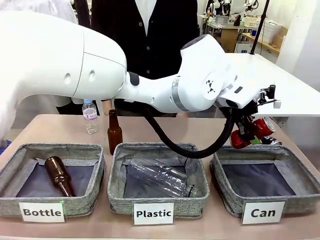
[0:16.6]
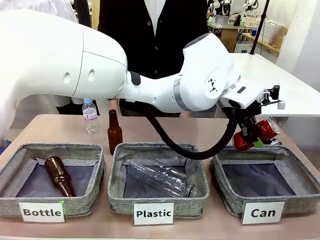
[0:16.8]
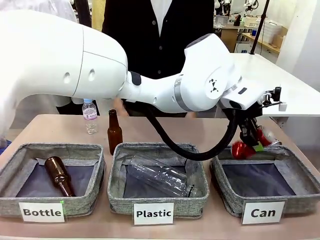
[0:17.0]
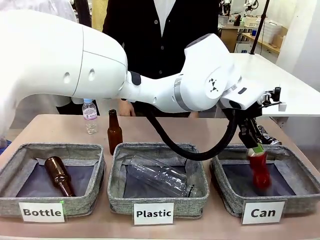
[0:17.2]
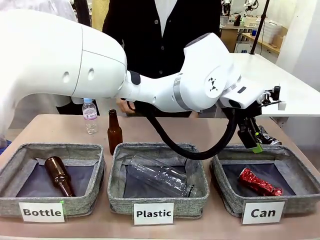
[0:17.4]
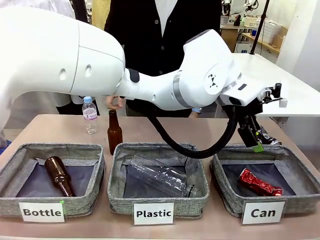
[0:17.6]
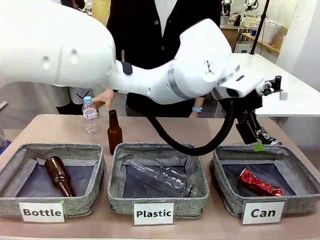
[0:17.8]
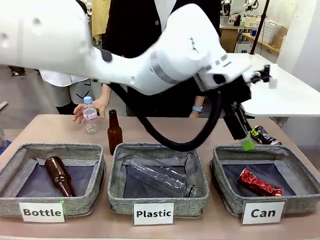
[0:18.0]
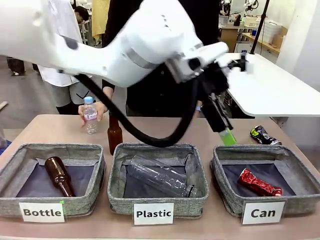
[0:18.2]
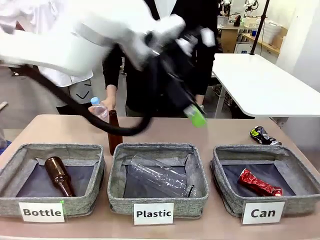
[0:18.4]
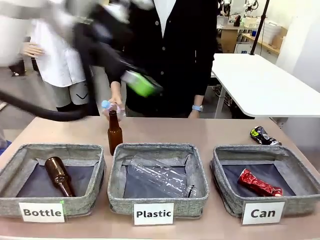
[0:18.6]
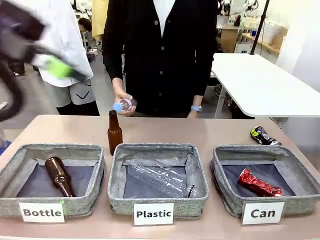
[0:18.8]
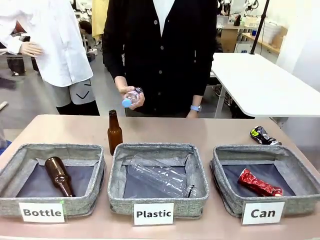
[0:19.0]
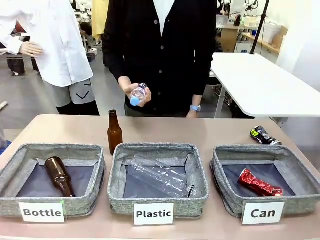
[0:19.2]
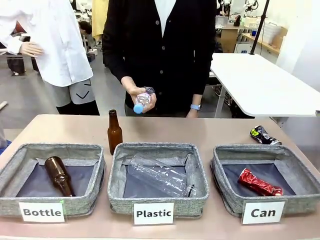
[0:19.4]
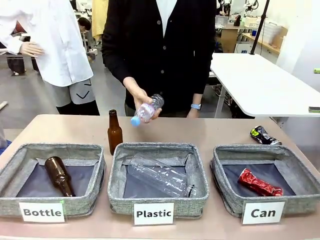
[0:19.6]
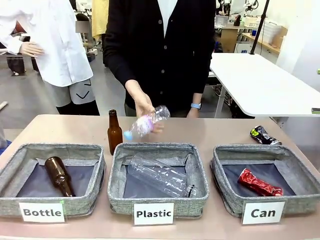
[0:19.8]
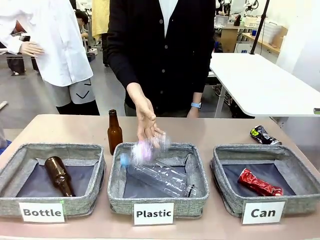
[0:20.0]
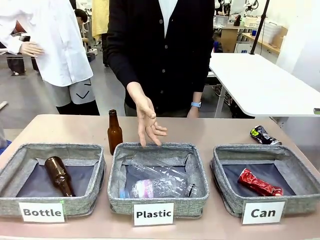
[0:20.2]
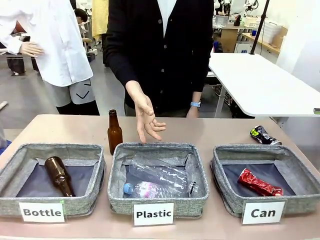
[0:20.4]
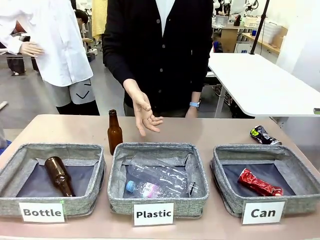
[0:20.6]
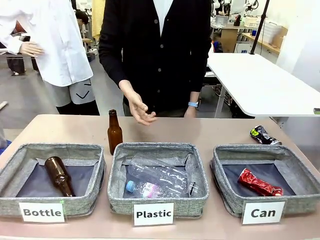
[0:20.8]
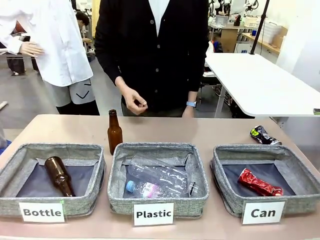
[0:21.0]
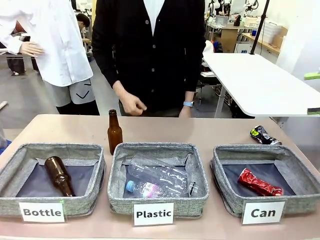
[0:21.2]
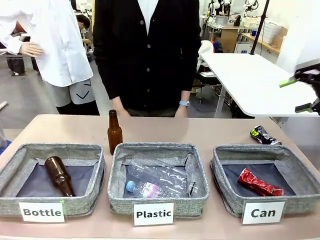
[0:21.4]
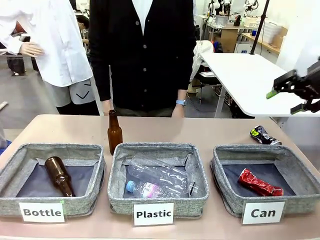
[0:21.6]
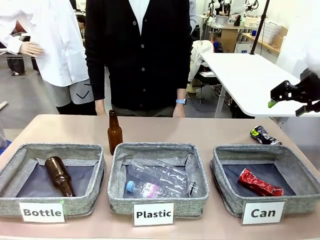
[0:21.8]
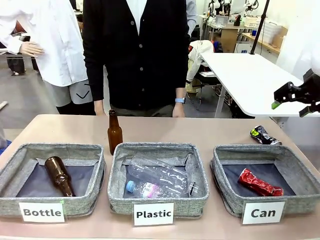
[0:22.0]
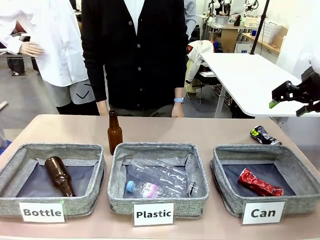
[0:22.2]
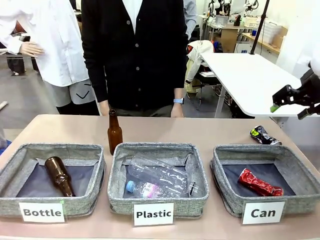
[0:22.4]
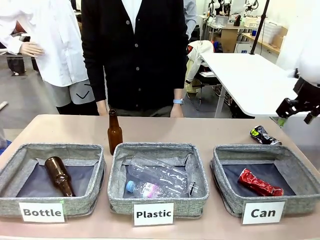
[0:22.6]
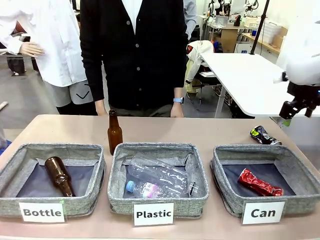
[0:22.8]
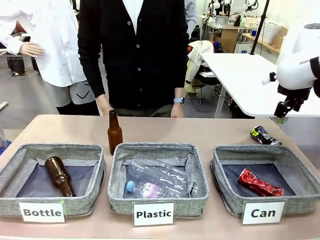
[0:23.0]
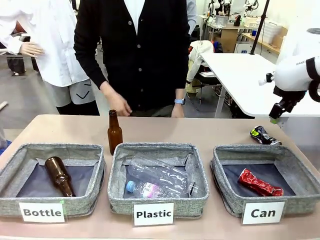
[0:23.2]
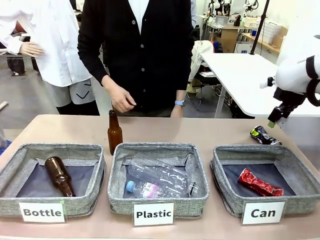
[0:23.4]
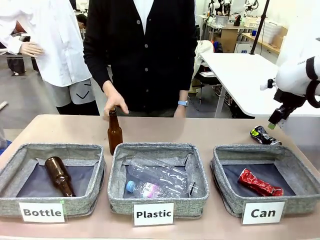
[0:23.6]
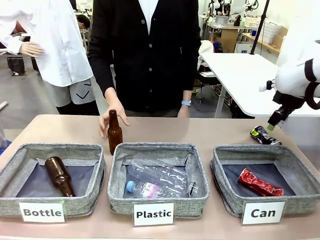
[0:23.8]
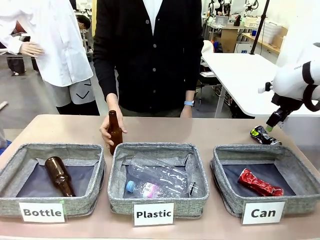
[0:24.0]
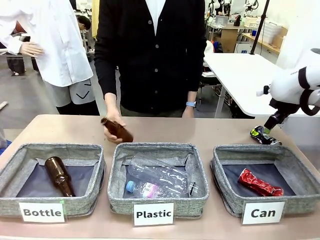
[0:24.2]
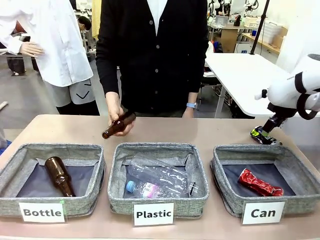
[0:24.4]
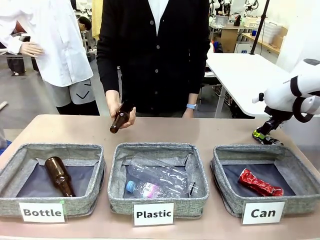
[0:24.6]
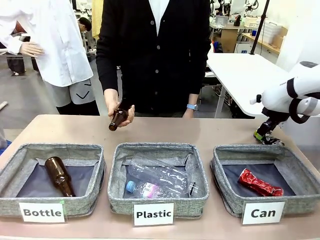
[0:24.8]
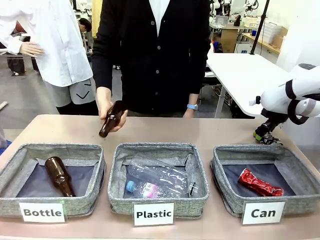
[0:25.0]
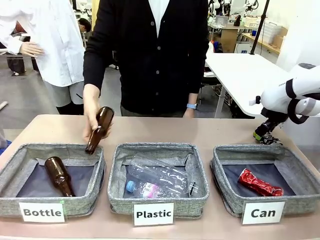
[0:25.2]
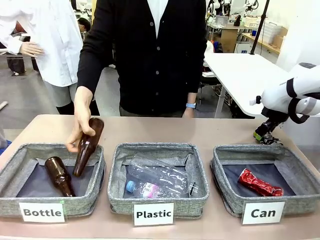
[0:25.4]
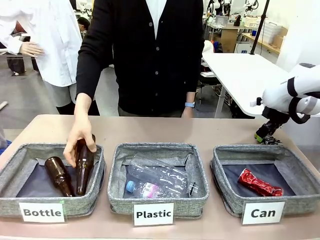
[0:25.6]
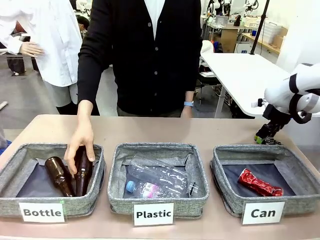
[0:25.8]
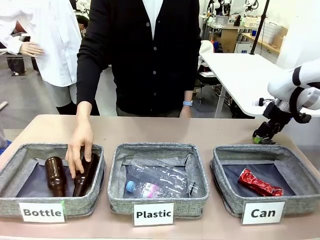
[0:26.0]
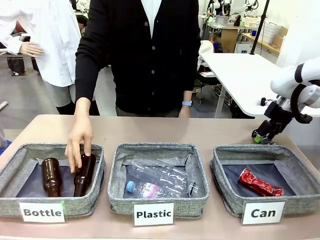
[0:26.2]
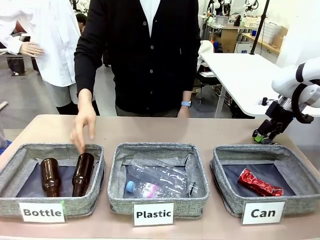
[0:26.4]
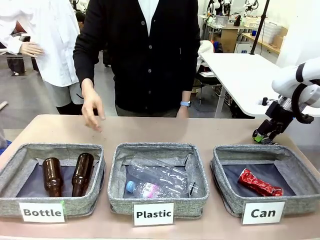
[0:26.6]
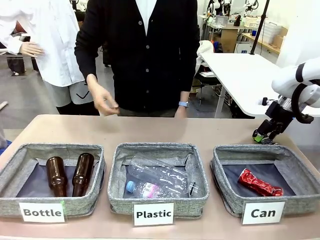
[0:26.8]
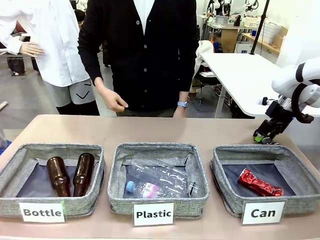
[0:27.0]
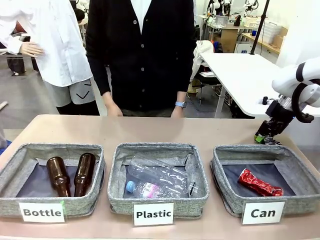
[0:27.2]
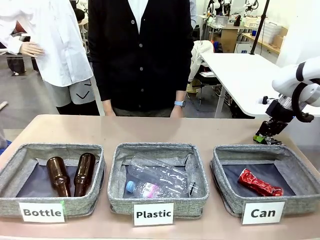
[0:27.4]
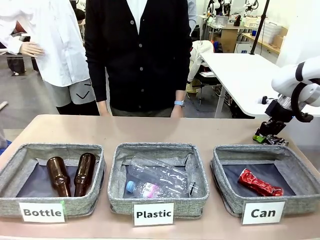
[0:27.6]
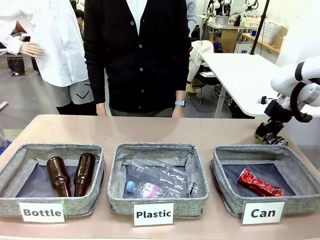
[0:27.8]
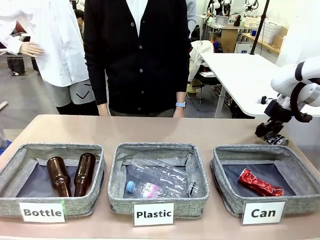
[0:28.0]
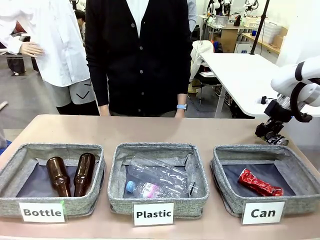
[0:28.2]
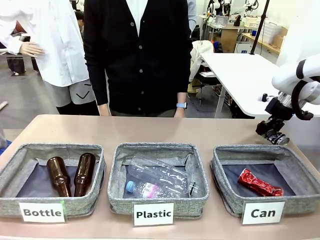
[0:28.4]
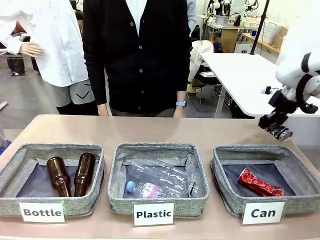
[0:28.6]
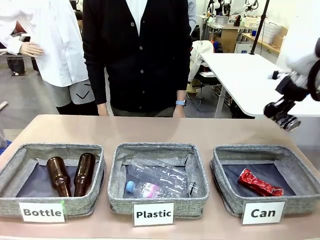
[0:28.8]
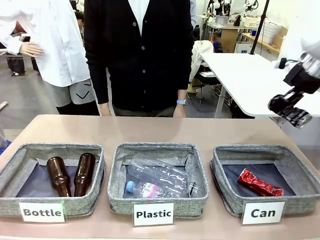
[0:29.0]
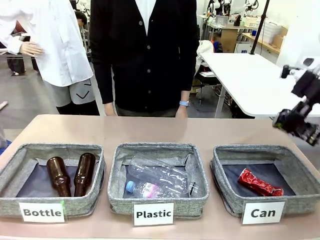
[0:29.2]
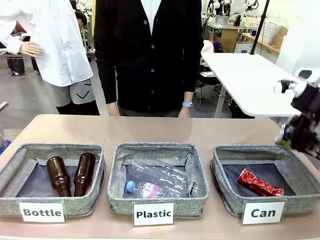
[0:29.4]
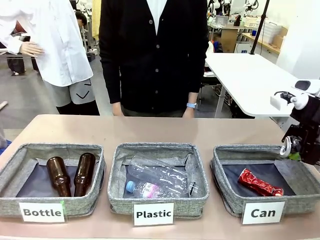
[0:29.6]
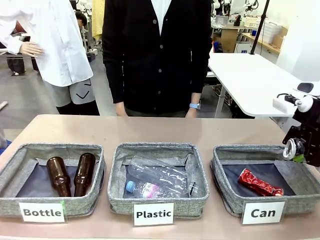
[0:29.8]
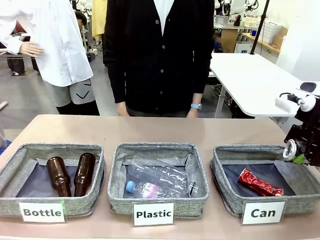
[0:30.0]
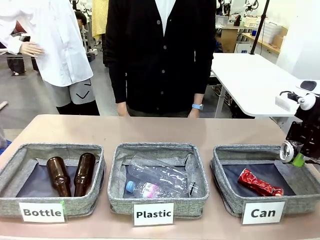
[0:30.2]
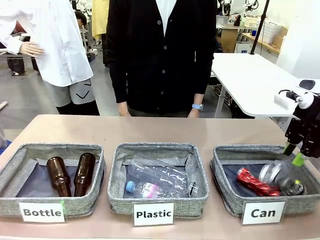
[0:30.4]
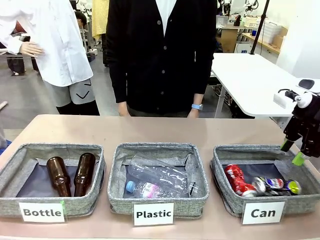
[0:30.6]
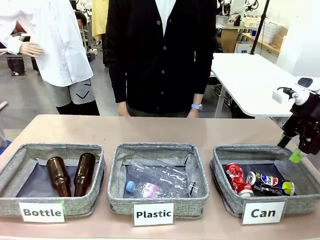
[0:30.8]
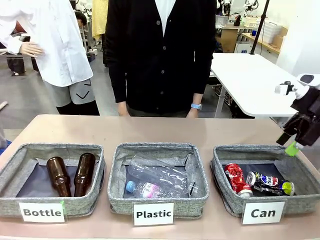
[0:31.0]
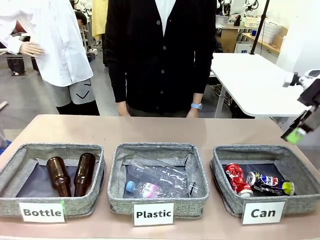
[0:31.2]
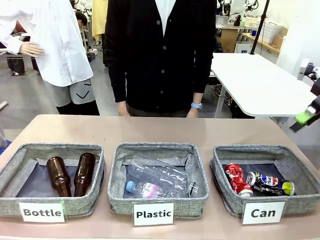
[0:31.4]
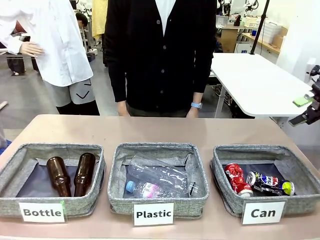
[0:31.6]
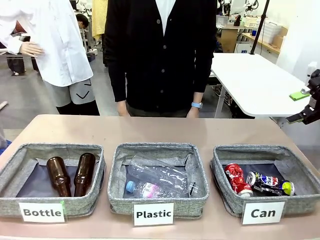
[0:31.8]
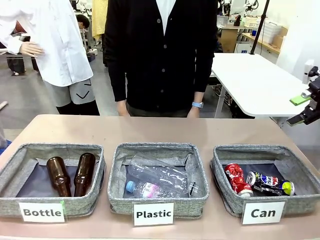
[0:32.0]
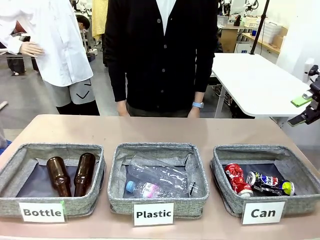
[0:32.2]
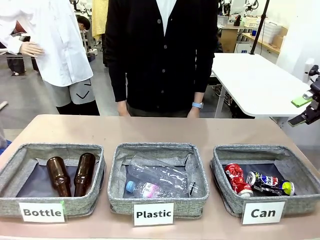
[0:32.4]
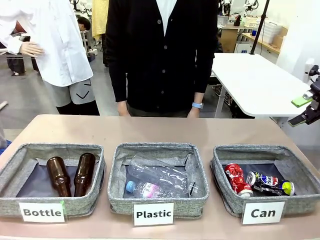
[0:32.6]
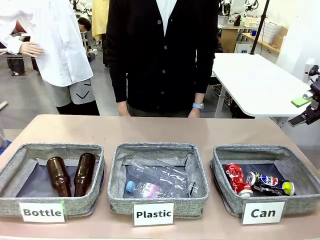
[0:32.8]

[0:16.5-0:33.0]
Task: Sort the can waste into the basket.
Robot: Pick up the can waste from the table and place it in the right Fabric basket.
